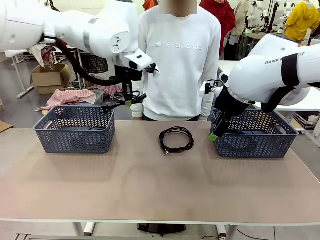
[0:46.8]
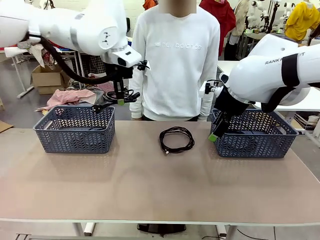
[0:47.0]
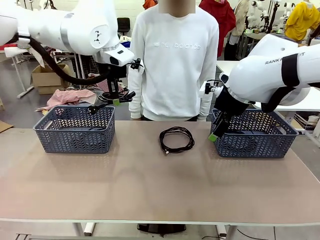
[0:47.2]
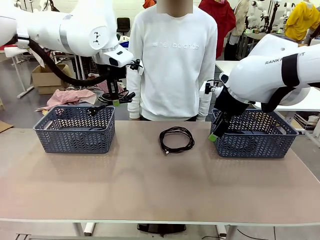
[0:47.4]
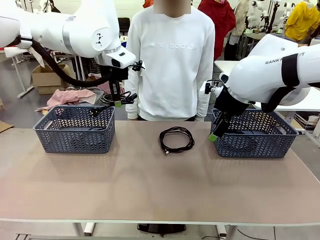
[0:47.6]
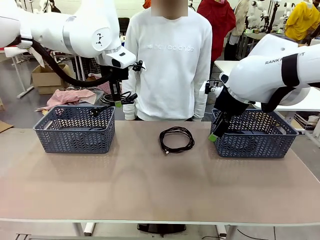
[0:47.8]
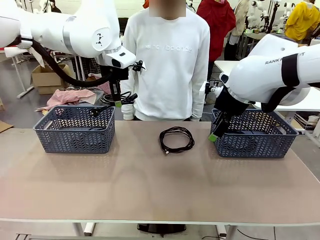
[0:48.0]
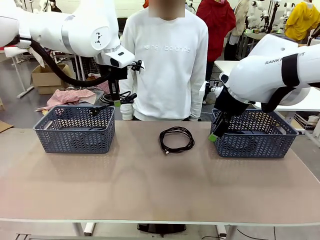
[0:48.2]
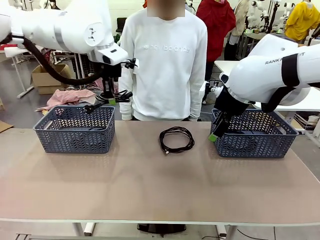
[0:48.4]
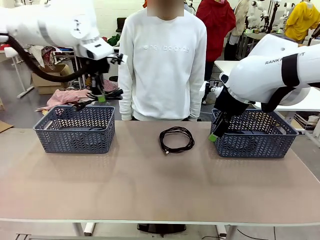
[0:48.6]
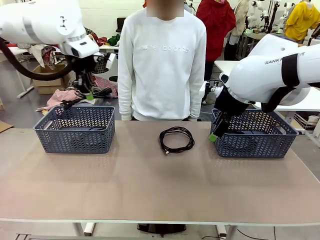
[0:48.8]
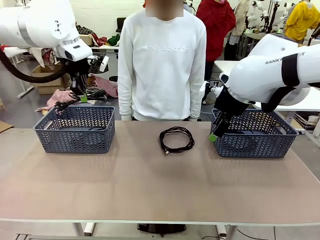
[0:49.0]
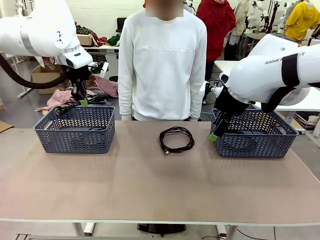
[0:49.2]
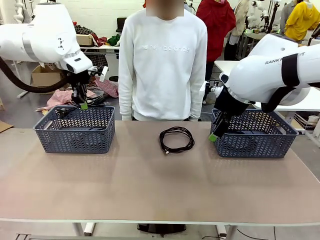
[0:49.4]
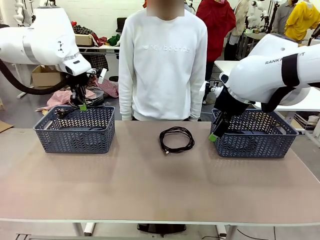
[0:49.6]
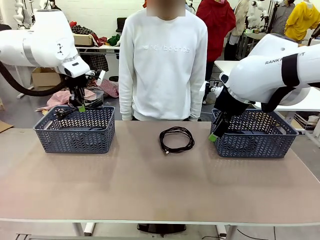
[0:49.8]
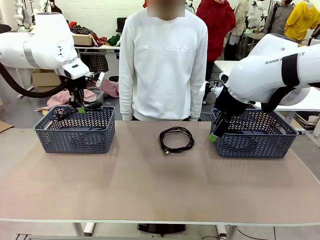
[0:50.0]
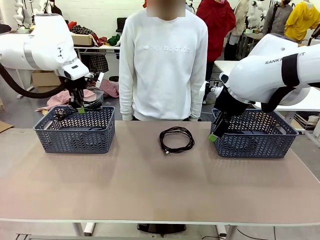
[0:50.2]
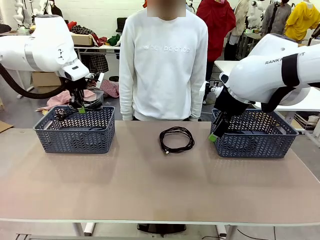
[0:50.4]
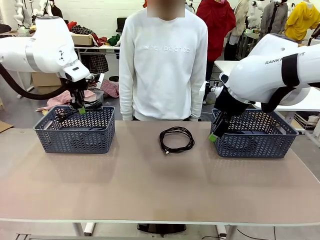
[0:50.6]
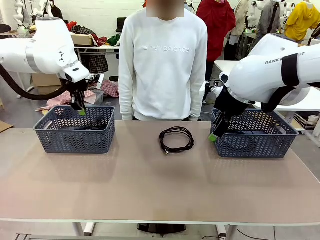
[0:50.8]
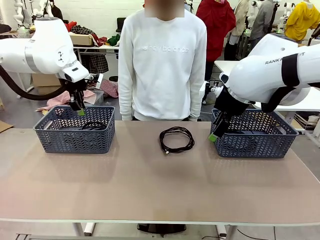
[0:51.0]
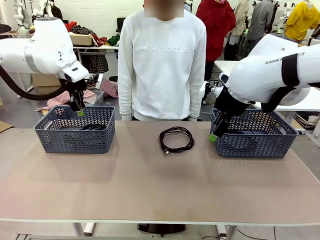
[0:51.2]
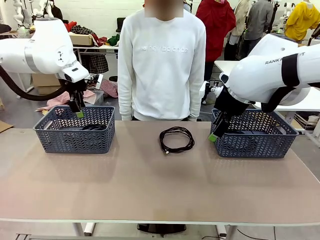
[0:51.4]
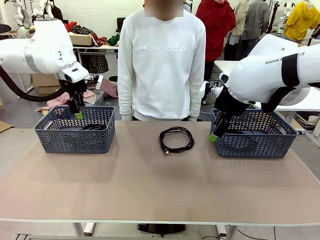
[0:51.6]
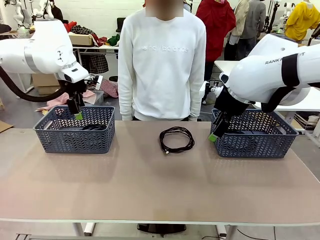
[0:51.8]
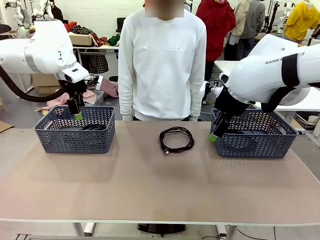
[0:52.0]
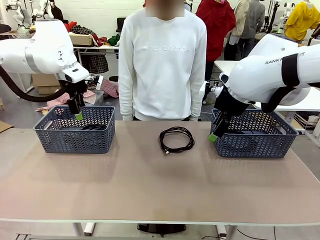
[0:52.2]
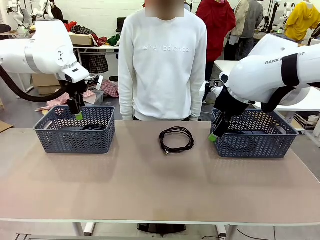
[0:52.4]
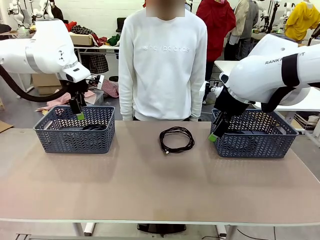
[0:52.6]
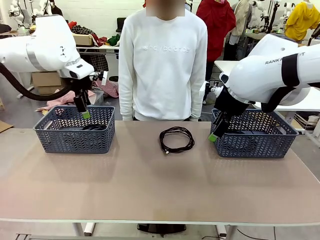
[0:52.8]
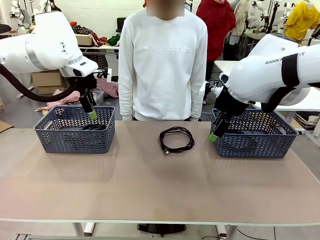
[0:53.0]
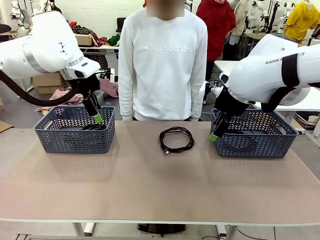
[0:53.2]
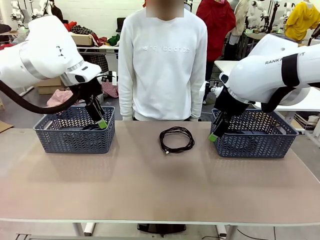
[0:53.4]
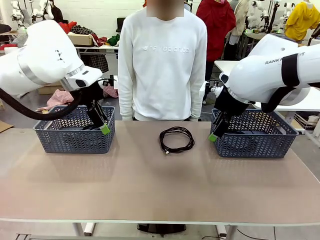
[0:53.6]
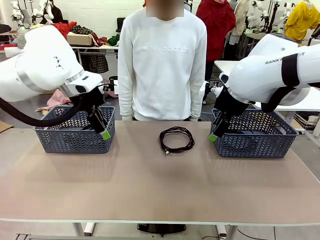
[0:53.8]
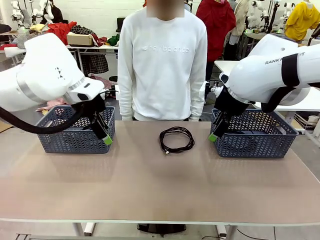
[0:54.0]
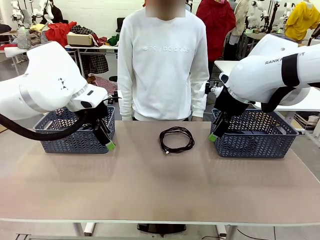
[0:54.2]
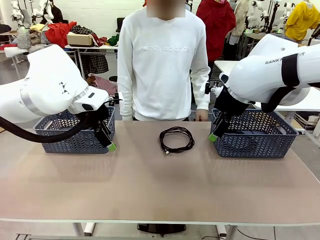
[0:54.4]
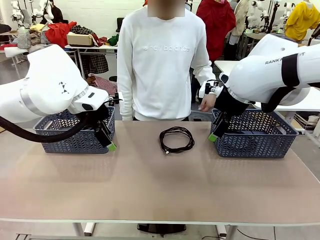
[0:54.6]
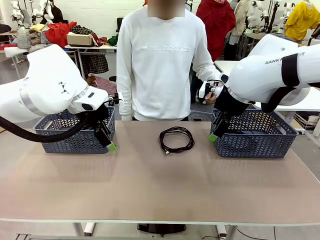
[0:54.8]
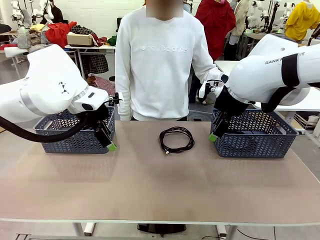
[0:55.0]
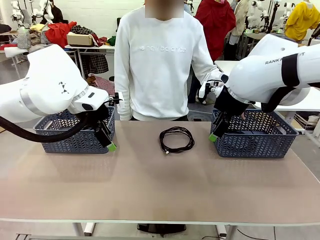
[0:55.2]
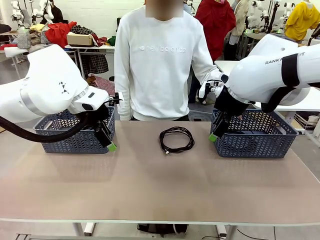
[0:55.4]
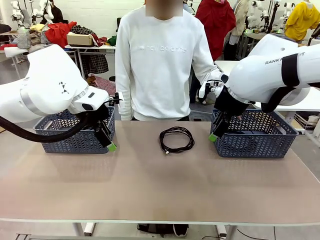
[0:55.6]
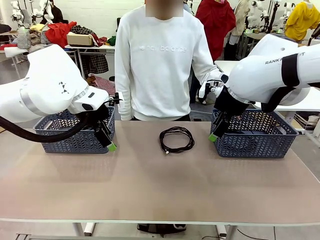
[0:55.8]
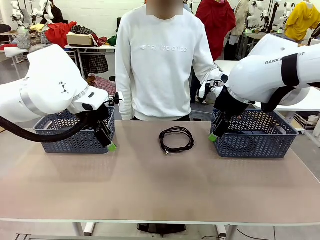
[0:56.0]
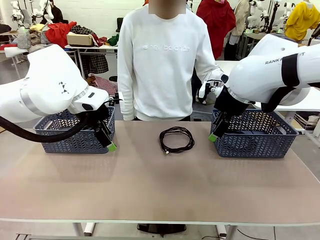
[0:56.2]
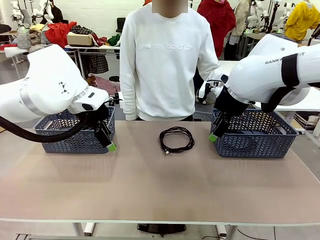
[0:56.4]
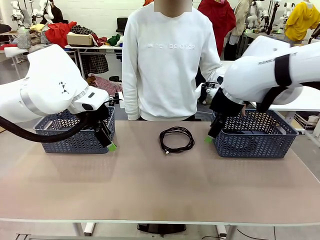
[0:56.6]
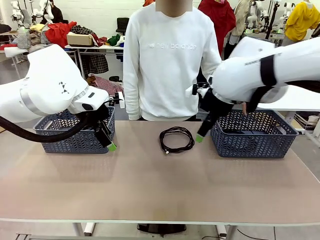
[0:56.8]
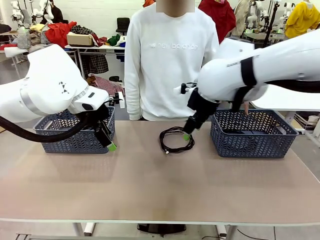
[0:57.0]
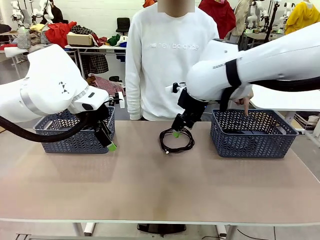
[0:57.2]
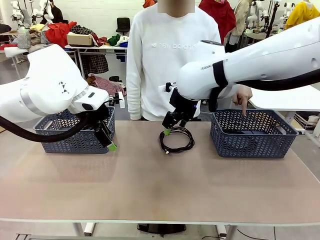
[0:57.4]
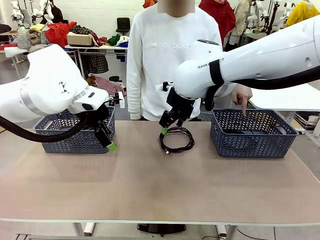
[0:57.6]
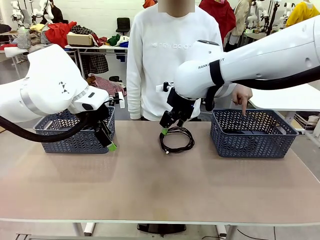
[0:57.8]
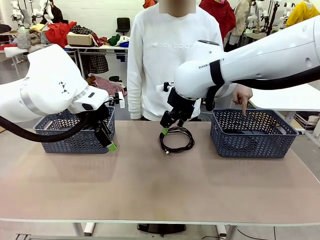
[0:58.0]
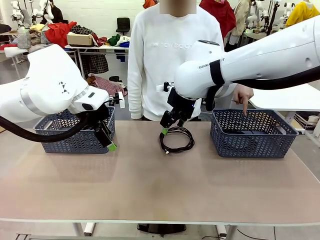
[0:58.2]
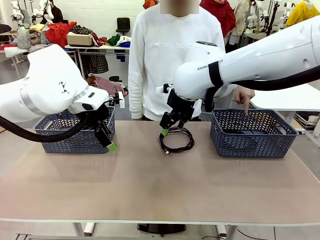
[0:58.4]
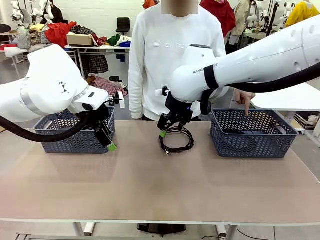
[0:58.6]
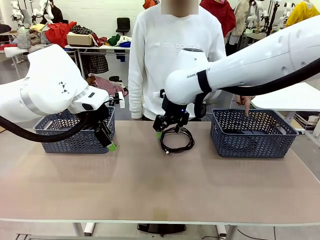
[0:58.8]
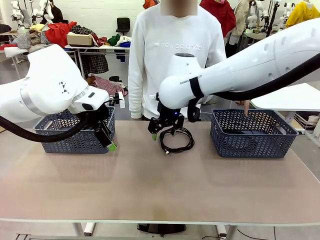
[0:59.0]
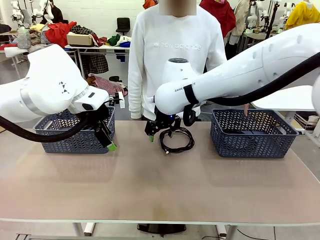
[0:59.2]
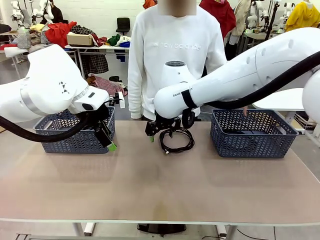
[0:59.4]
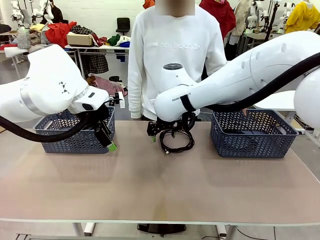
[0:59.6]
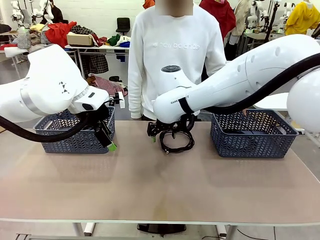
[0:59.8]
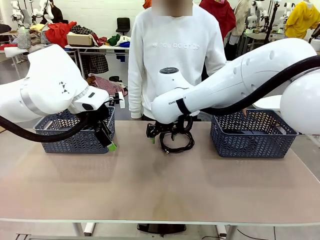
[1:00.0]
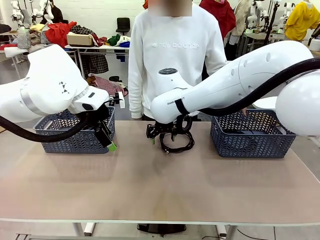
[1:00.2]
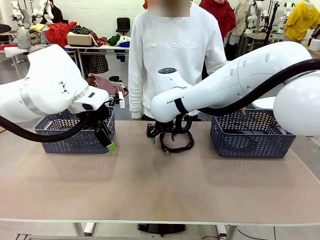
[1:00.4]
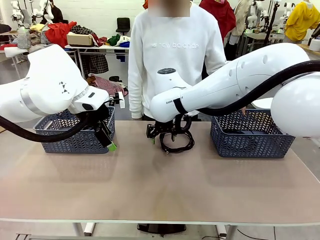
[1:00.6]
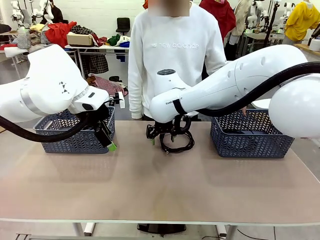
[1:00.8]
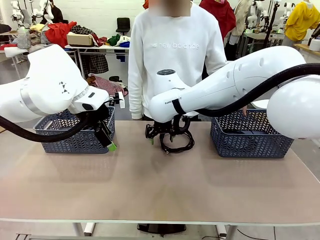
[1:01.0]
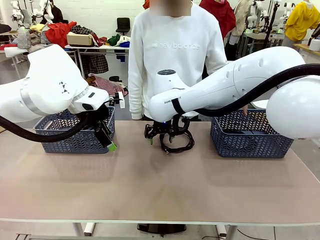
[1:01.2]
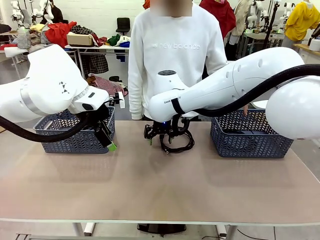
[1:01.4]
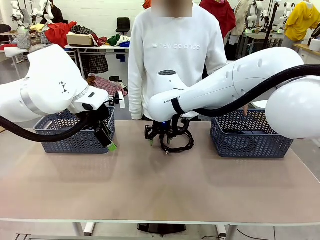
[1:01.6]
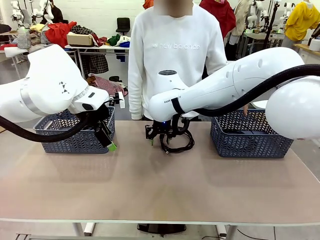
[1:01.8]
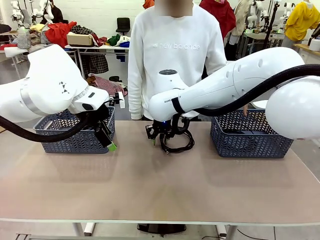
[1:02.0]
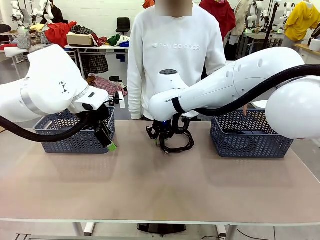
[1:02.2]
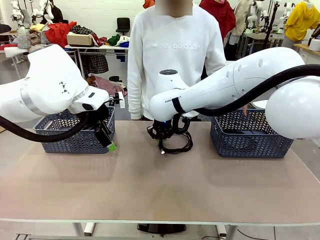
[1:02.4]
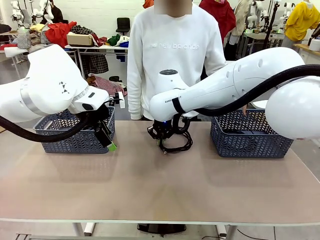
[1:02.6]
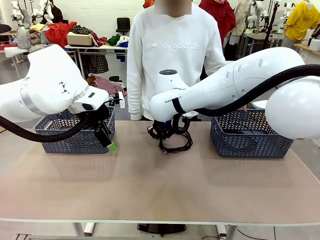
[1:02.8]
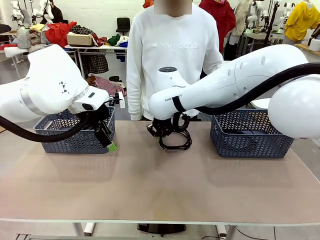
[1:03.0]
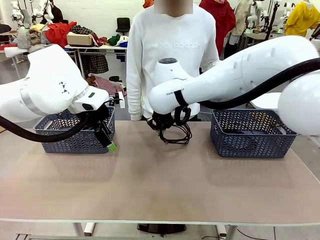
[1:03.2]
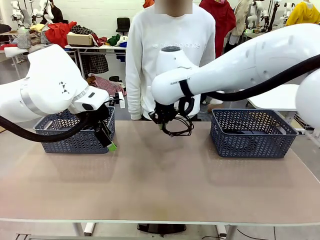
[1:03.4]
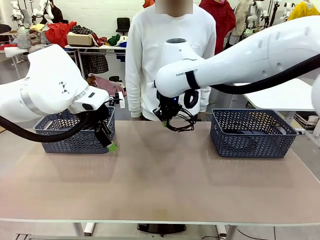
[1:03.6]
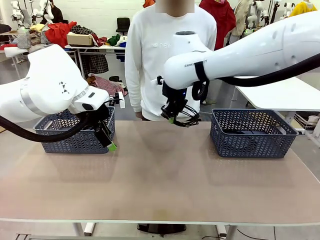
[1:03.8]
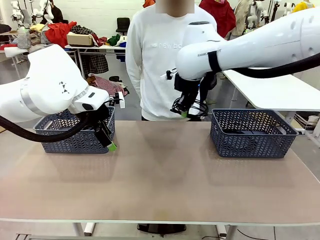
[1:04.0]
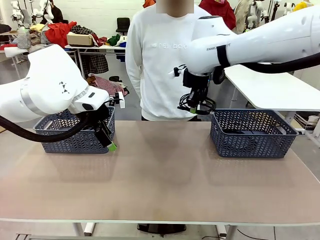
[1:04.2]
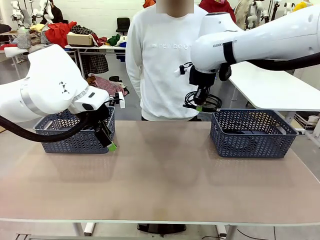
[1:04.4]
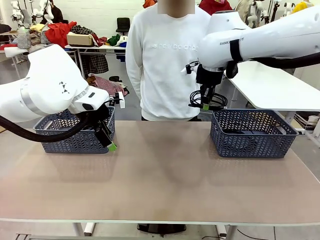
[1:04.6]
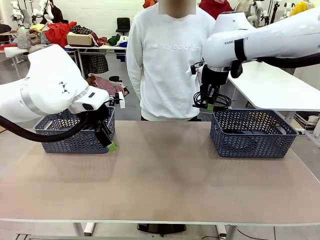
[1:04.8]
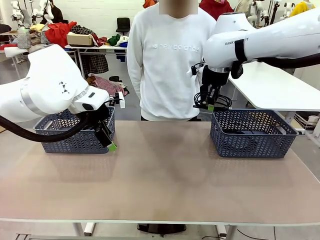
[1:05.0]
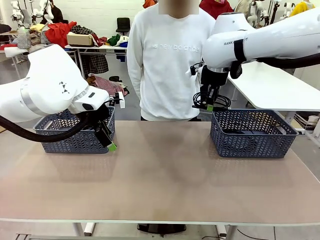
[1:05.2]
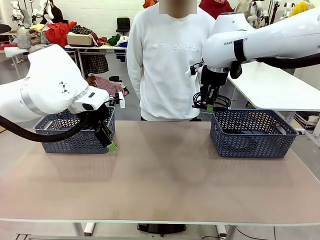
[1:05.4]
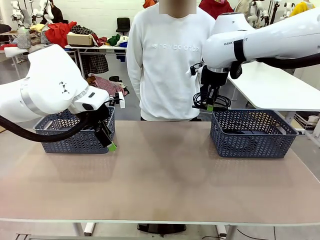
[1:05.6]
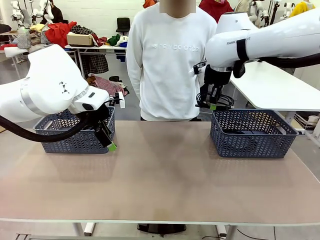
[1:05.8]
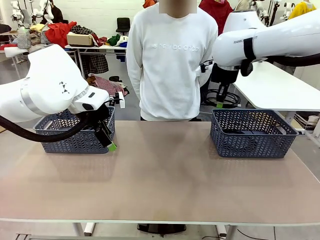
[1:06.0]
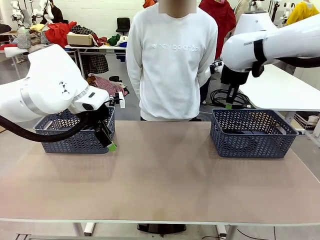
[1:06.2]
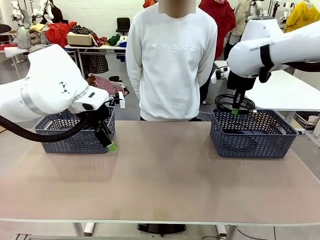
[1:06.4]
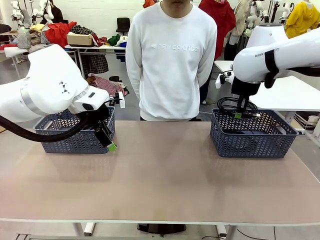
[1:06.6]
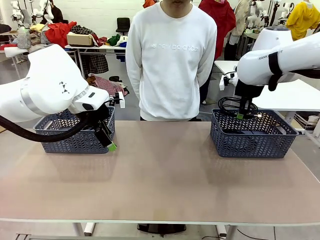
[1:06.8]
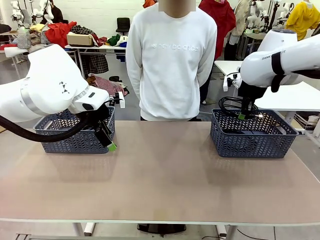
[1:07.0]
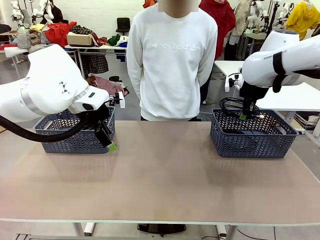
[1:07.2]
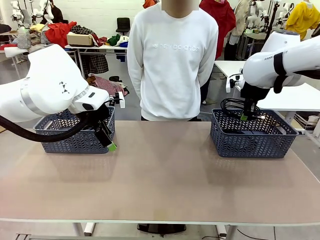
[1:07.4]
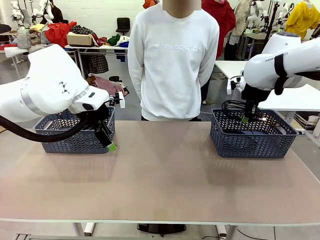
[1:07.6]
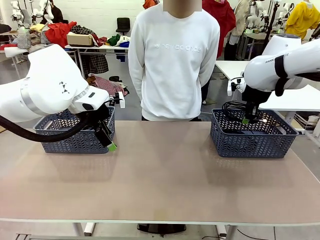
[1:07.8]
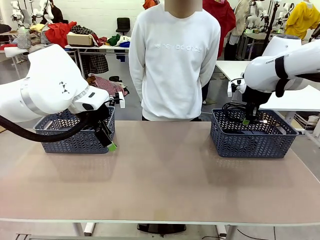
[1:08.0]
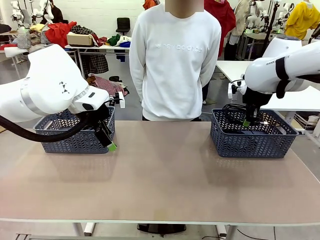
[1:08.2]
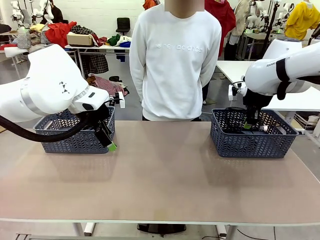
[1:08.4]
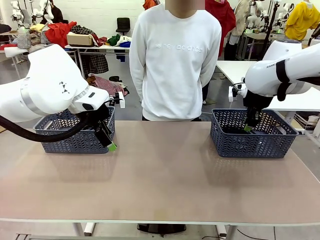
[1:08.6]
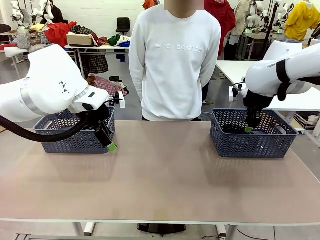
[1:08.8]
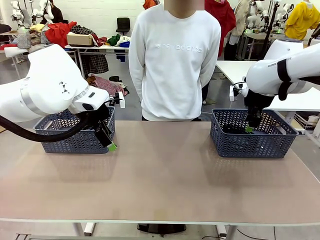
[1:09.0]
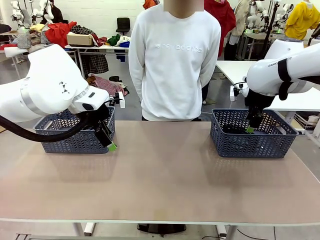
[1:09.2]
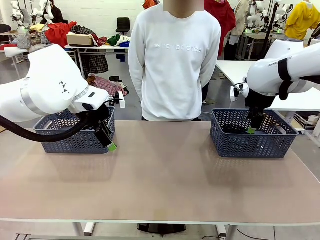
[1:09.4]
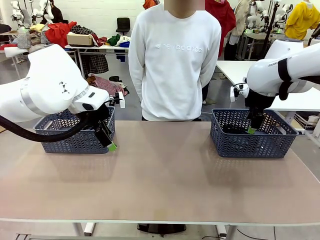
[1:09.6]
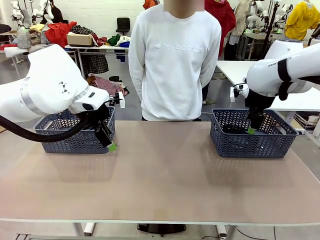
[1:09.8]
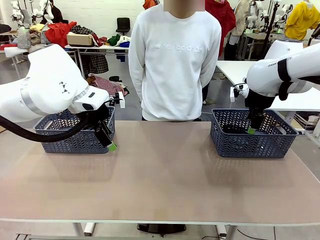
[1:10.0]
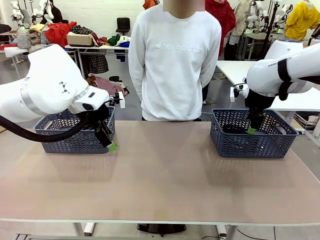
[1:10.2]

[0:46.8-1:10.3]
Task: Organize the cables according to human instructions.
Robot: Pick up a bundle of cables and place it in the basket indicated by the human.
